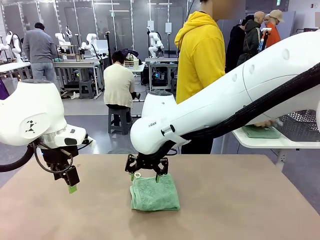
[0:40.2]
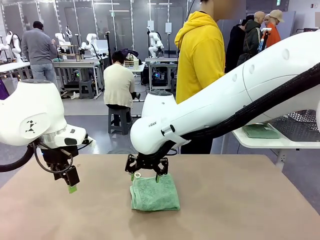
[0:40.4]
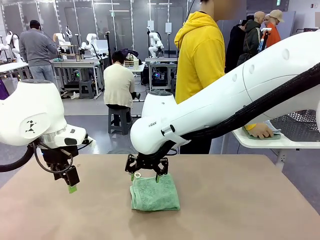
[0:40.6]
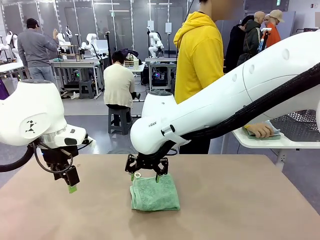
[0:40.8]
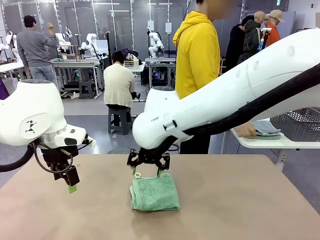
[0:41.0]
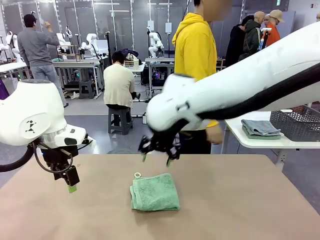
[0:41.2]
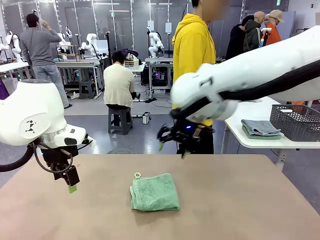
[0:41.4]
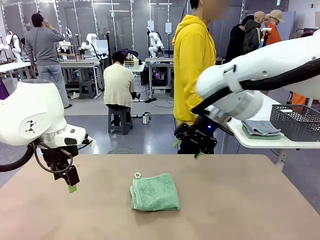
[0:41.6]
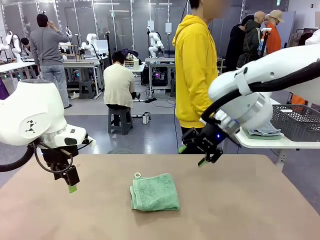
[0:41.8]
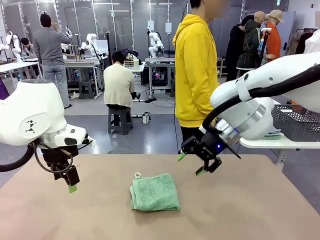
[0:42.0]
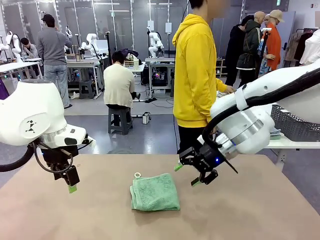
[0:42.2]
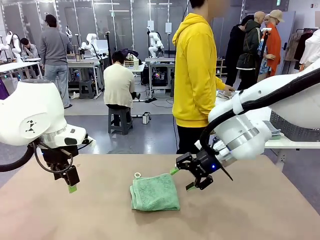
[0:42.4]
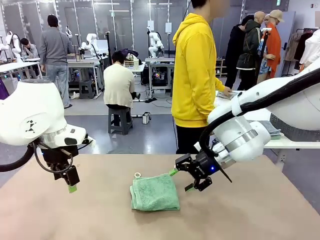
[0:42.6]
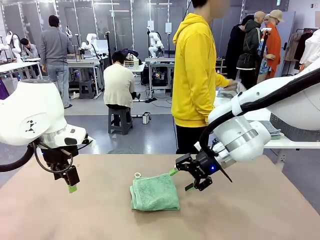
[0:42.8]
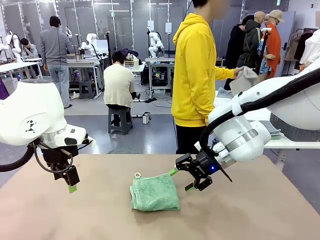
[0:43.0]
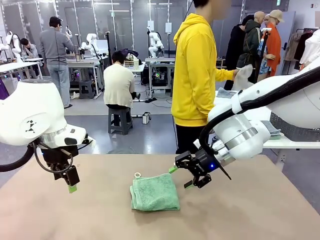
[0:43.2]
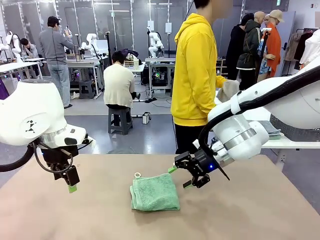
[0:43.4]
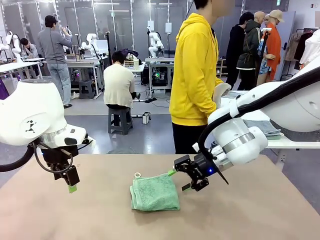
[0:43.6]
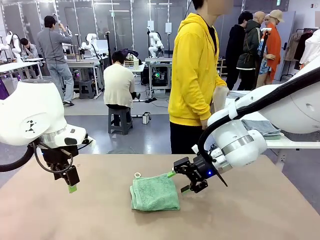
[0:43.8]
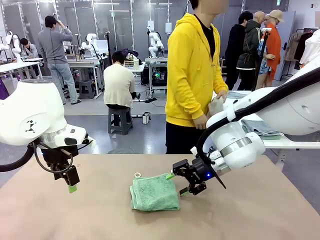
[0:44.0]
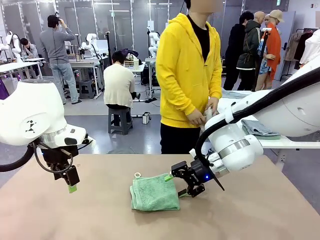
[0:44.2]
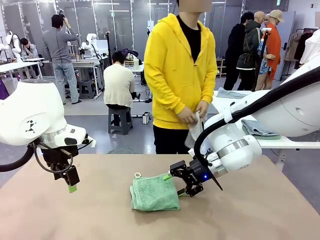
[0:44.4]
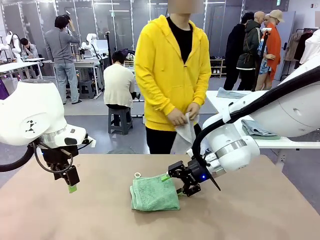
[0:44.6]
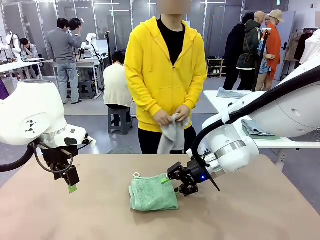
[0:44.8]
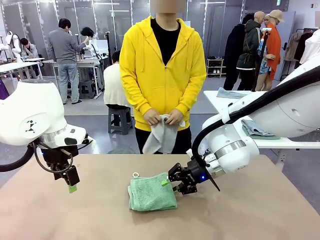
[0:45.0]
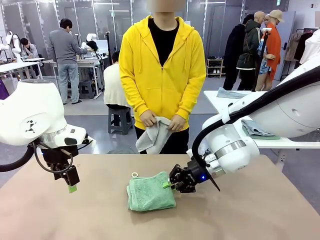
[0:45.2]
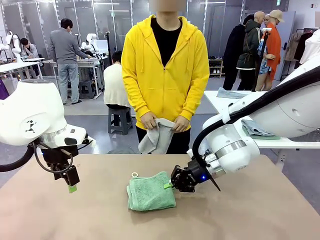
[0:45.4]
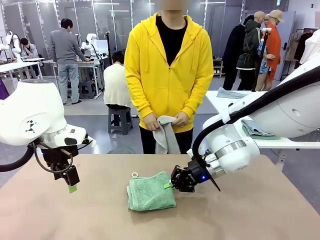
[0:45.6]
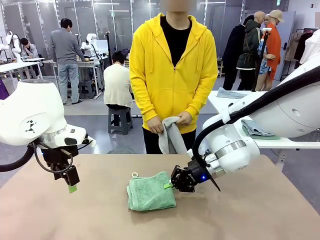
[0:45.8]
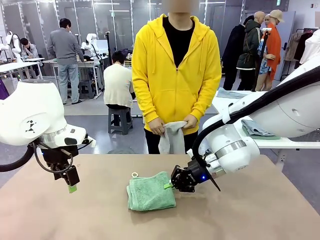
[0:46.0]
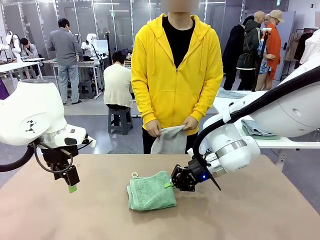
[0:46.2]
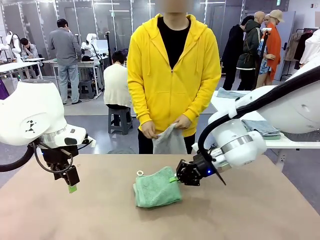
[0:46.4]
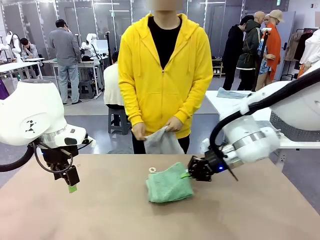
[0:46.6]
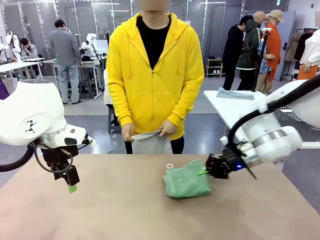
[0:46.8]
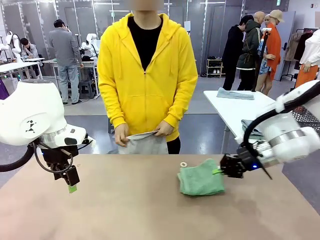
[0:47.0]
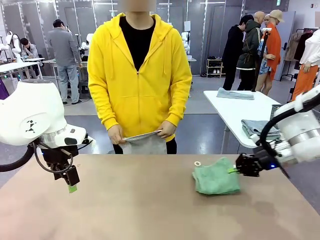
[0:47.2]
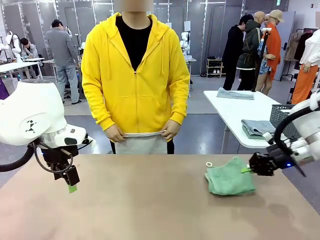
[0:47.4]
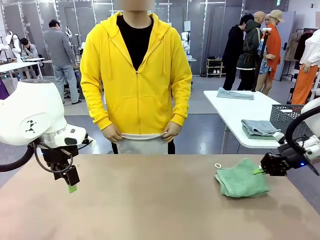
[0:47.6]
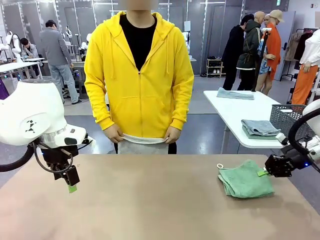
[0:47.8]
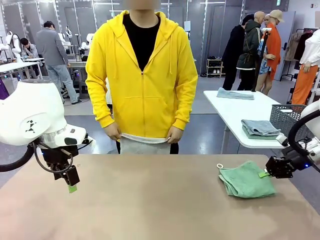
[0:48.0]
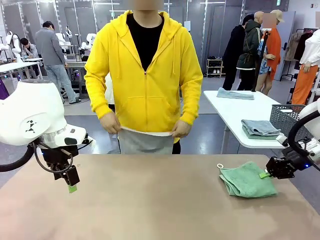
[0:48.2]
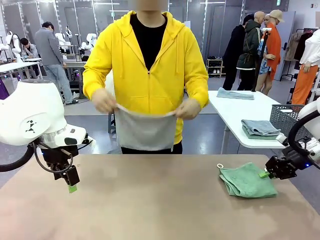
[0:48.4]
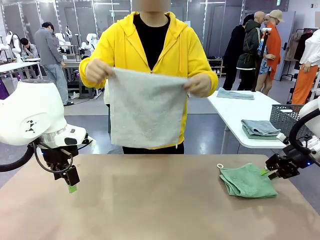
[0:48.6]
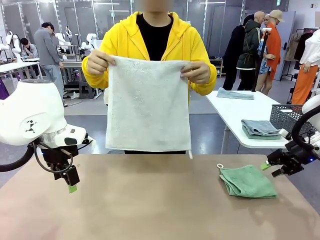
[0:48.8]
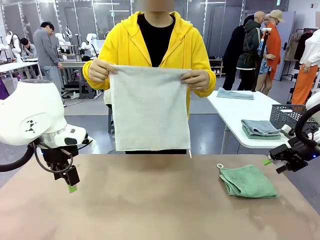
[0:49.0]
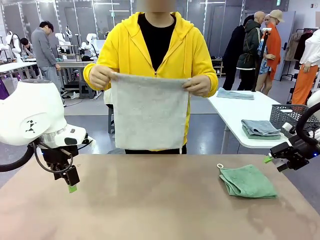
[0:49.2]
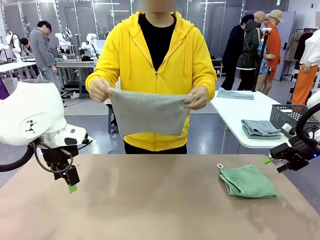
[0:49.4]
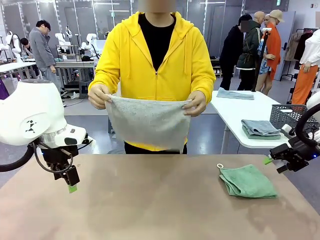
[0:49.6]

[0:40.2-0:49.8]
Task: Fold the towels and place them in the basket.
Robot: Place the folded Towel with hook on the right side of the table.
Person: Pick up one towel from the left side of the human table and spread it out at the center of the robot table.

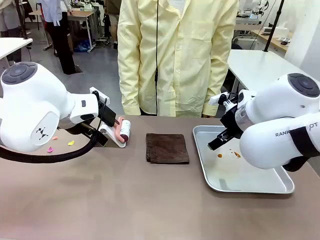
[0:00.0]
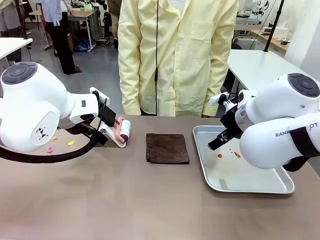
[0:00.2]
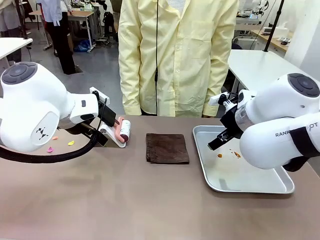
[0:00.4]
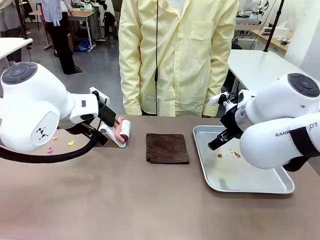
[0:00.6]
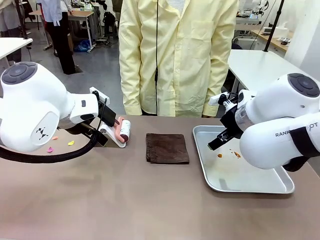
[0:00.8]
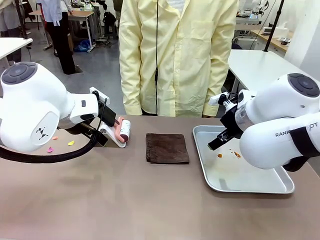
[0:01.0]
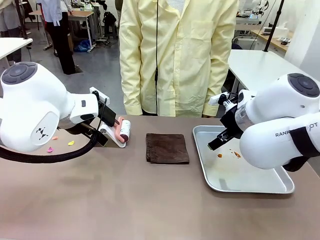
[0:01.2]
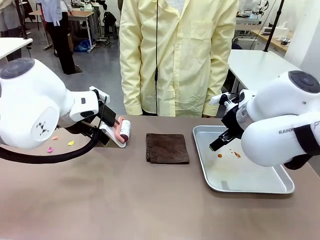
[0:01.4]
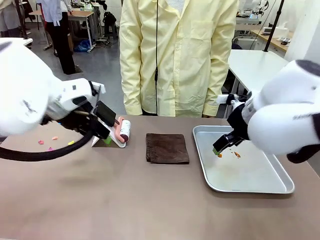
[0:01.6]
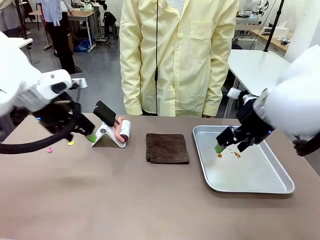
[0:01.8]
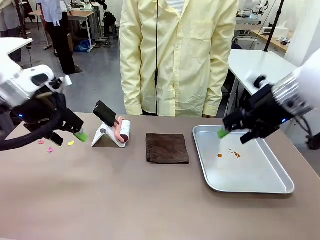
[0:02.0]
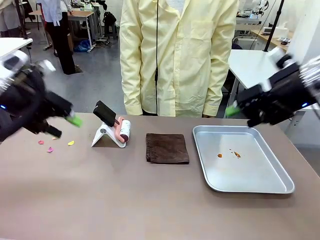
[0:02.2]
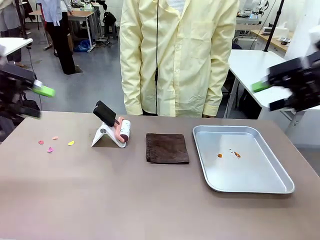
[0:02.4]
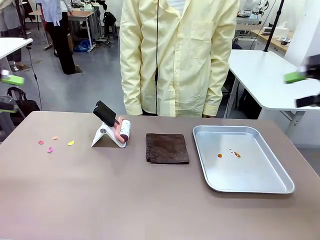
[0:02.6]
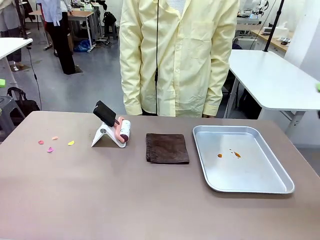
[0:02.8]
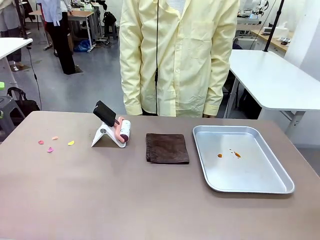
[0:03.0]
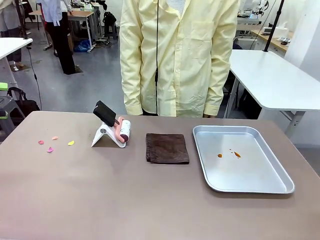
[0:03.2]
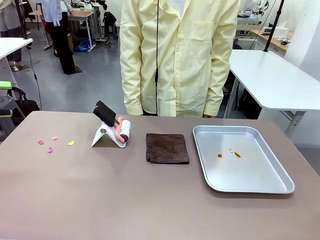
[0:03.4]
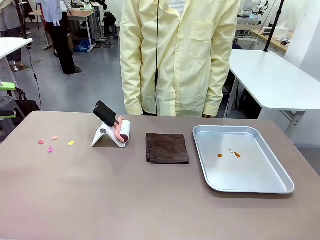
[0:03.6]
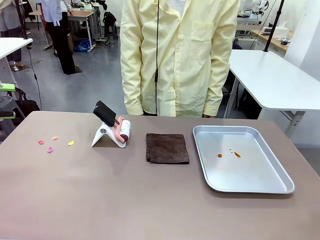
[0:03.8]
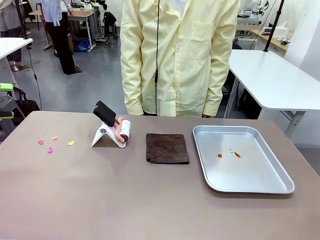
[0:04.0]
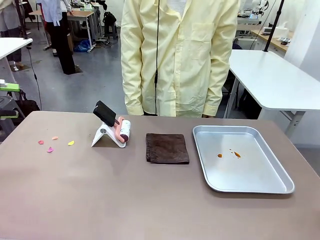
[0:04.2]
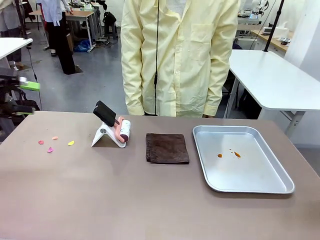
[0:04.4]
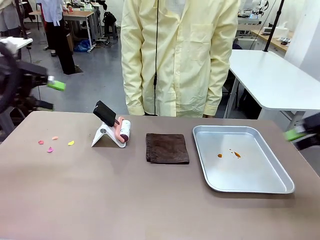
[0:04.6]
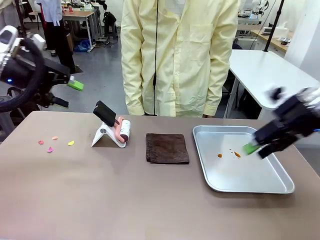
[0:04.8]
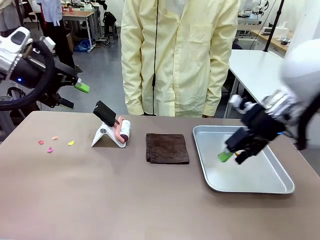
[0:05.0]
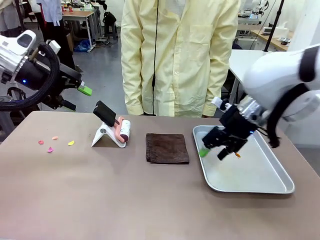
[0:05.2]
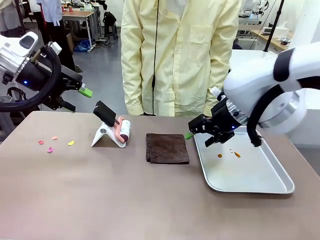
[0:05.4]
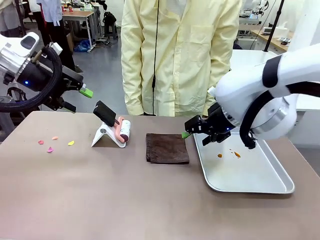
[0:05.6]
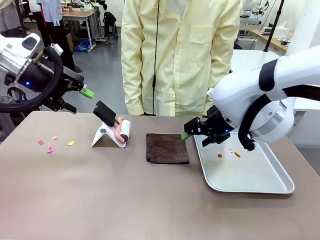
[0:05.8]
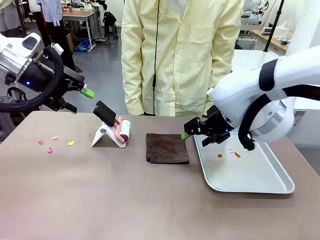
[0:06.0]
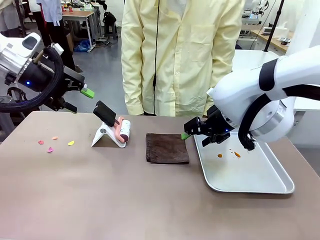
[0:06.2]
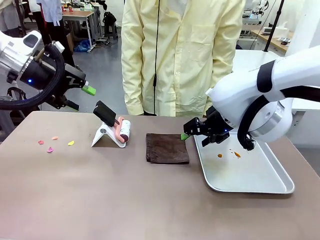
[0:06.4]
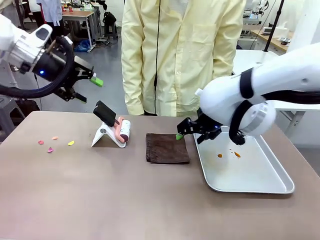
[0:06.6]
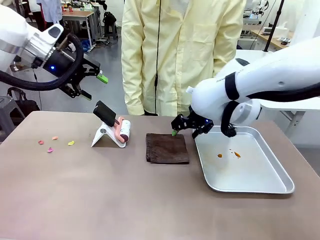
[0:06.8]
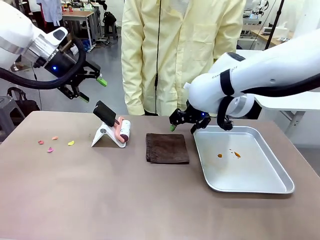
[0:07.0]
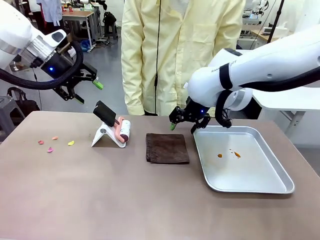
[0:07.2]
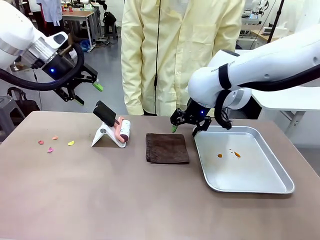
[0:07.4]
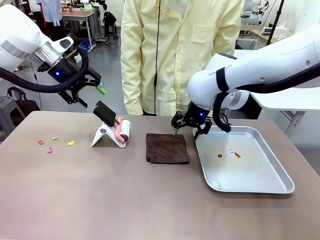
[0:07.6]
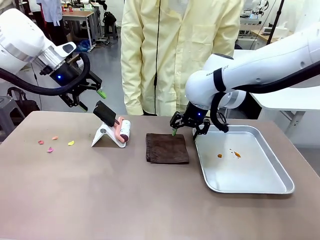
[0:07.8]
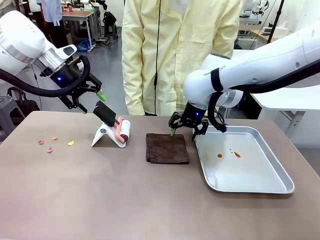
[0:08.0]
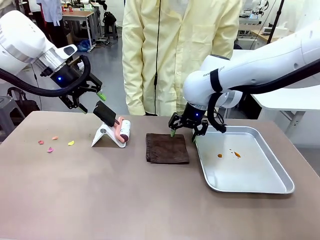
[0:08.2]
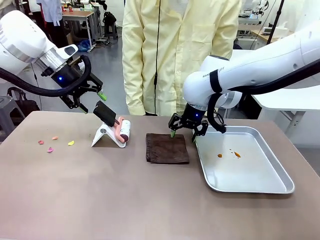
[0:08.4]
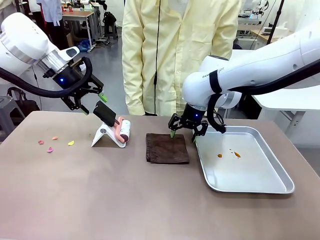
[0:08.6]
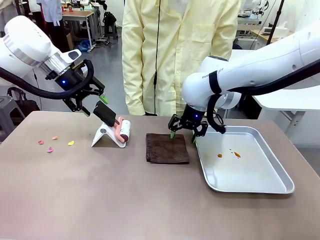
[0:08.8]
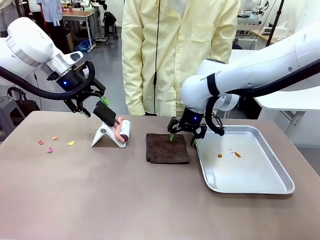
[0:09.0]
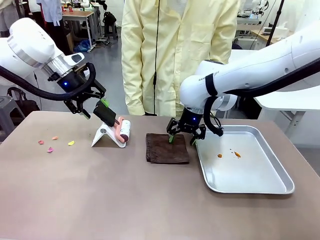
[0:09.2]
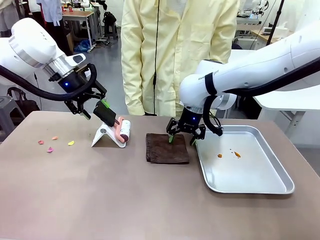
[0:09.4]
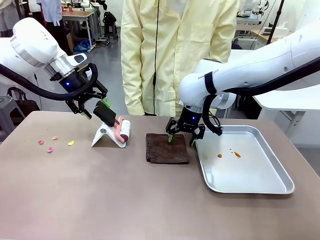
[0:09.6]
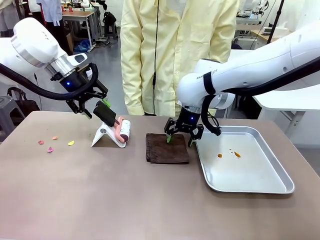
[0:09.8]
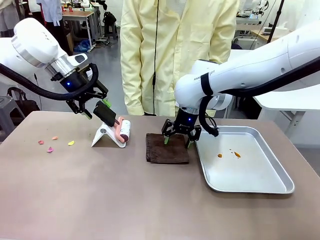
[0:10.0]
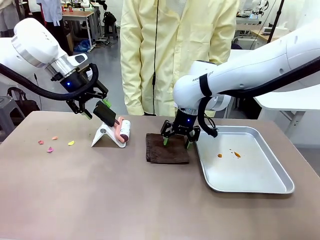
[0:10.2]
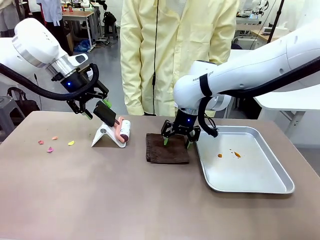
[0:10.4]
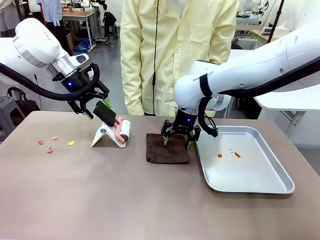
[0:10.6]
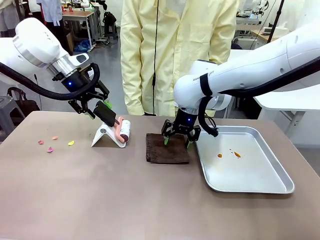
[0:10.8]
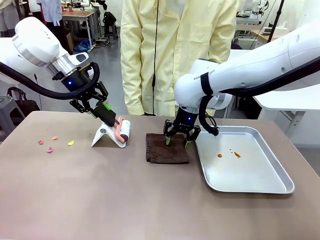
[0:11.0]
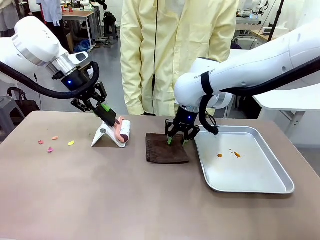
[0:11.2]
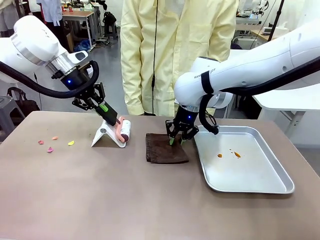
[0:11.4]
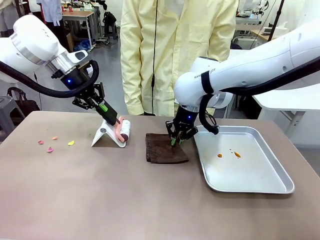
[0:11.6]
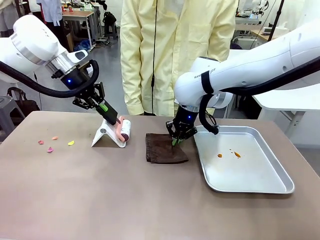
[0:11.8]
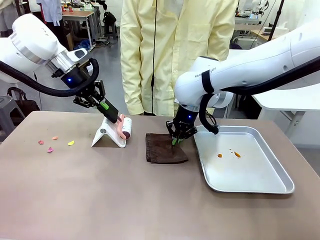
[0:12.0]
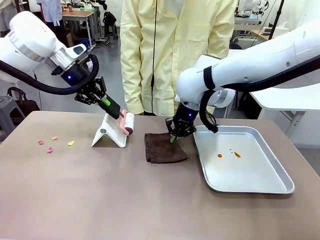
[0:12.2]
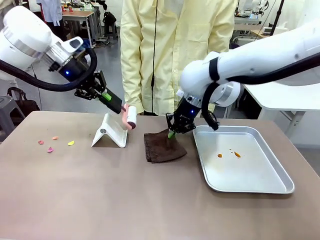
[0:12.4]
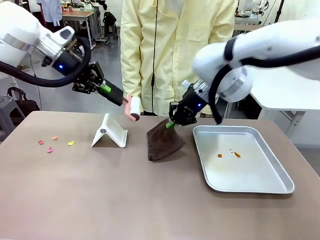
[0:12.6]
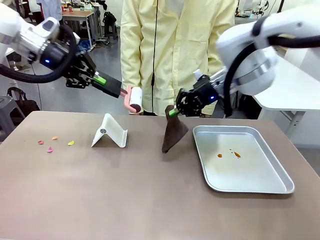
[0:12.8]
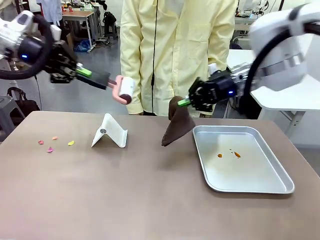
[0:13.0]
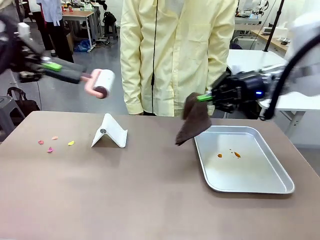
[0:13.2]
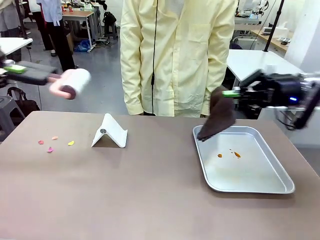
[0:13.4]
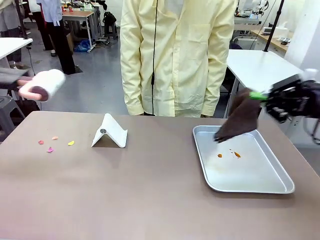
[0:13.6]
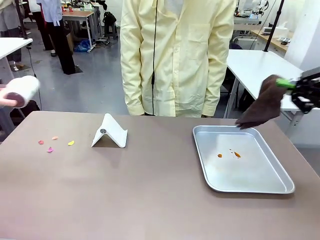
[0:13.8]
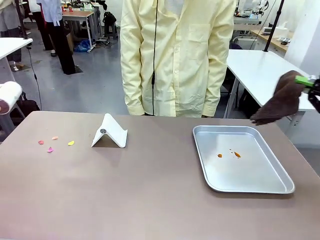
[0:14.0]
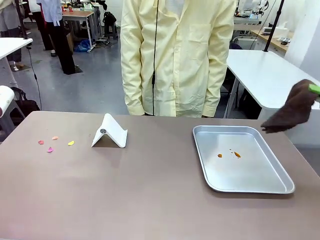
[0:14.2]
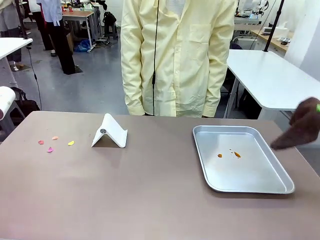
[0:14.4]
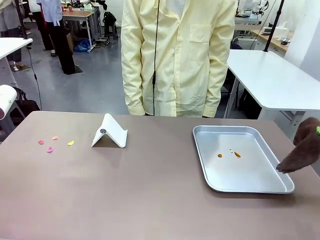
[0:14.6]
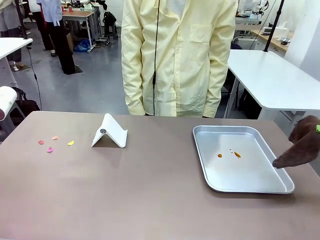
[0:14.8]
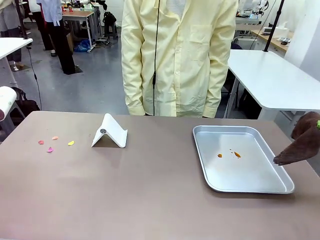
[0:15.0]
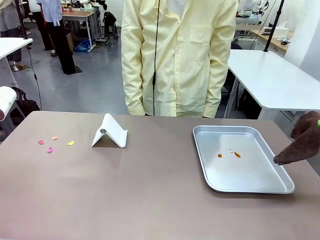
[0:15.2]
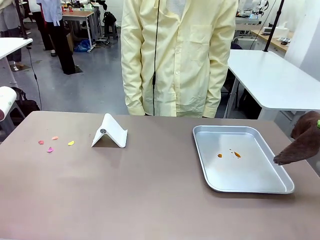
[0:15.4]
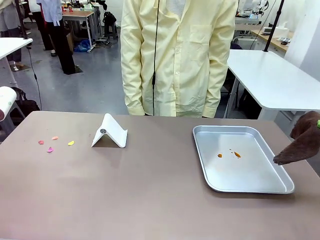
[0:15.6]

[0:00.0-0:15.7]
Task: Clean the surface of the table.
Robot: Hold the Lint Roller with your left hand and the towel with your right hand.
